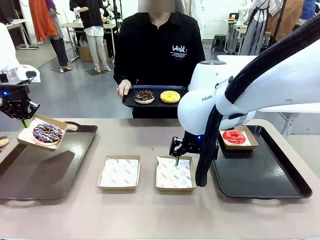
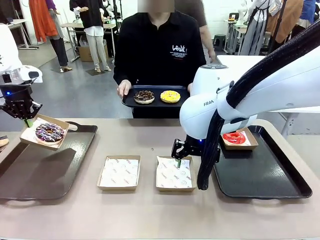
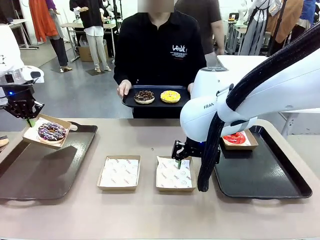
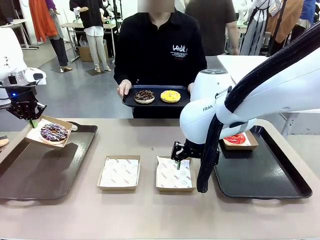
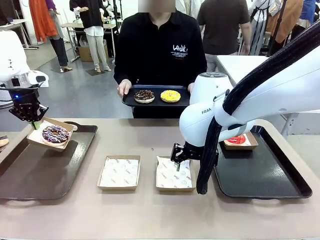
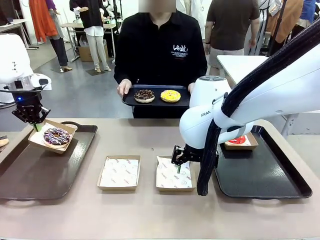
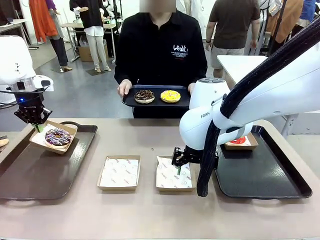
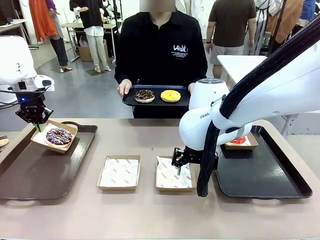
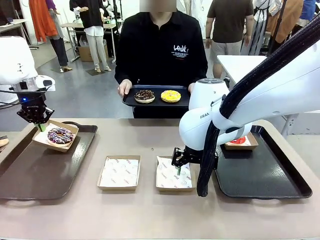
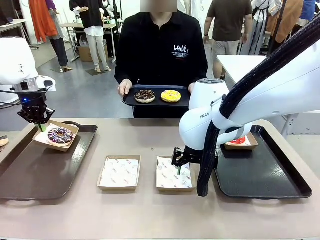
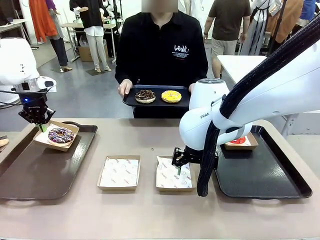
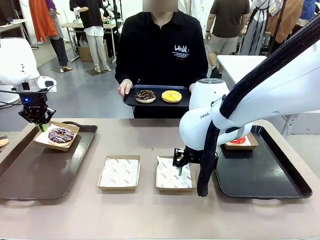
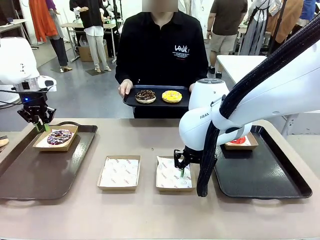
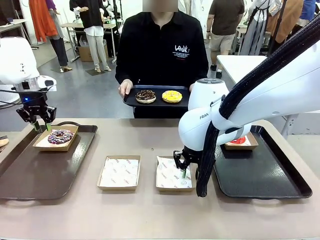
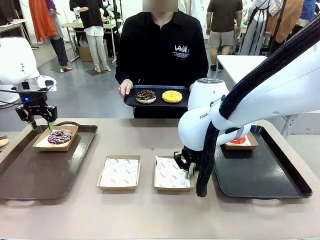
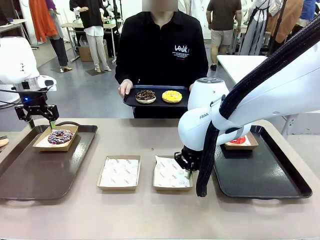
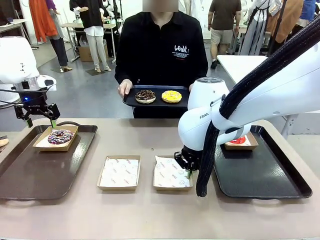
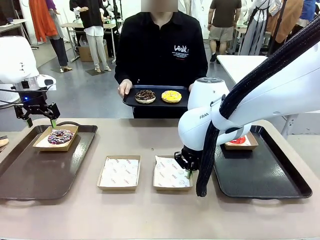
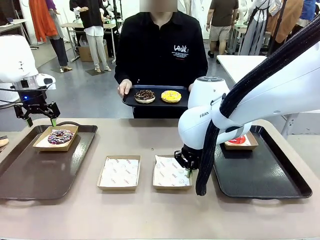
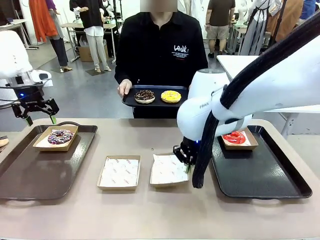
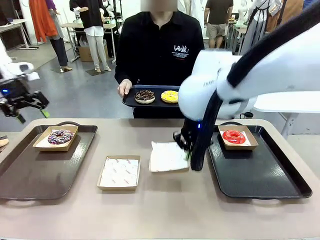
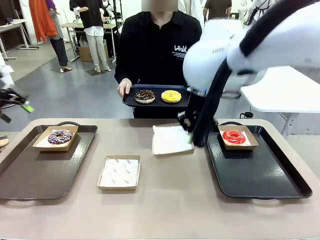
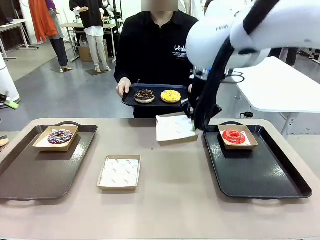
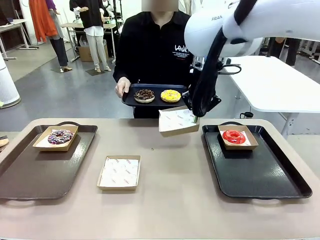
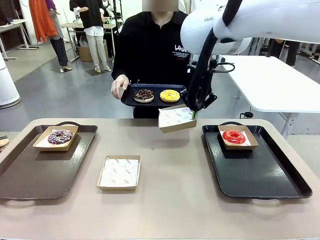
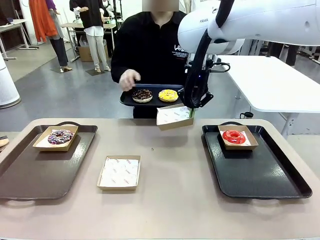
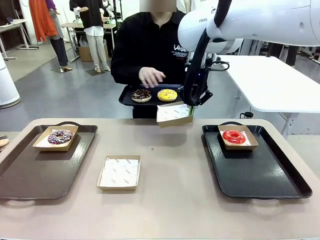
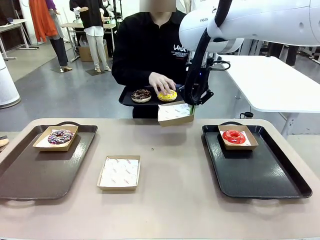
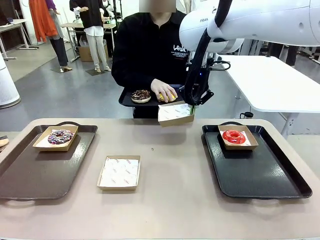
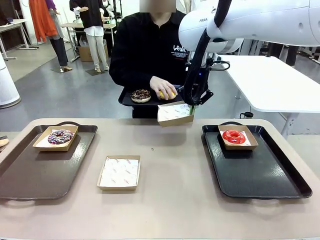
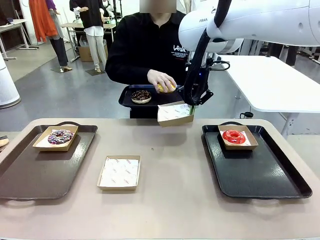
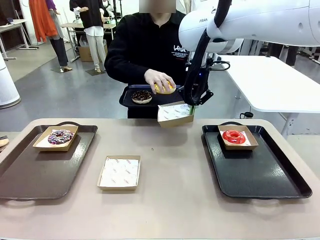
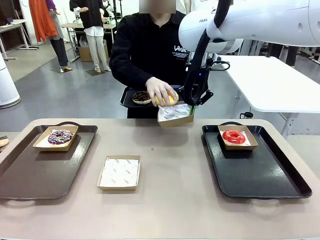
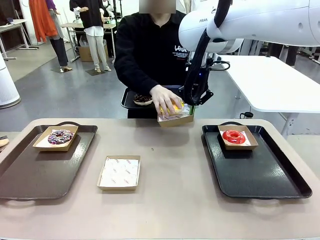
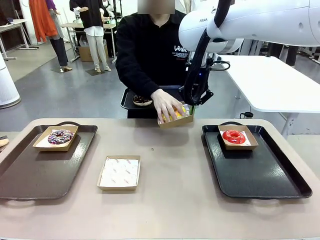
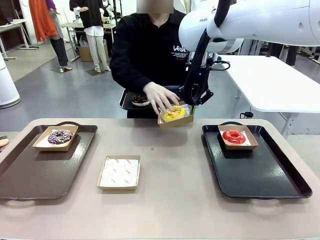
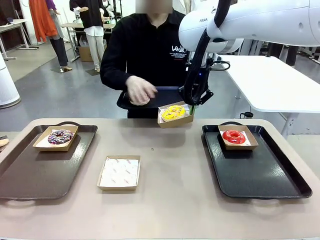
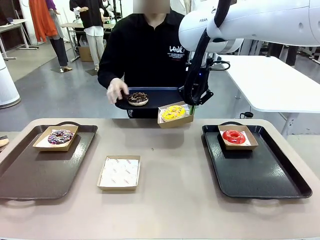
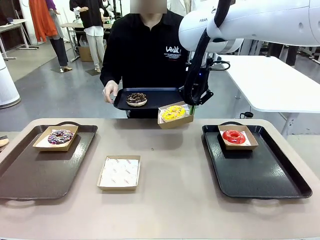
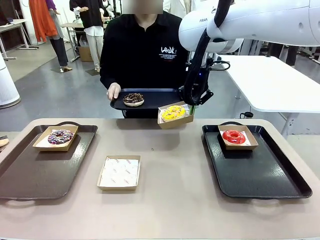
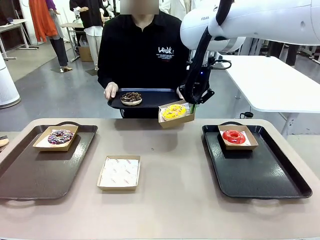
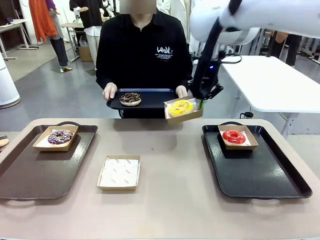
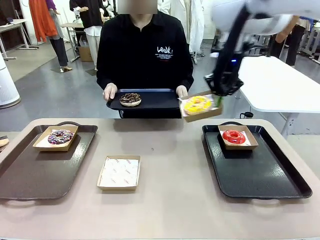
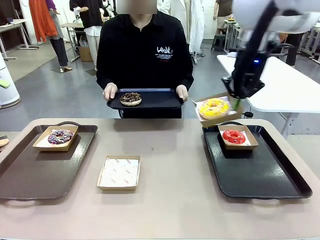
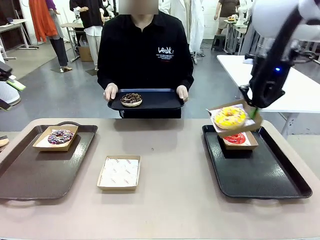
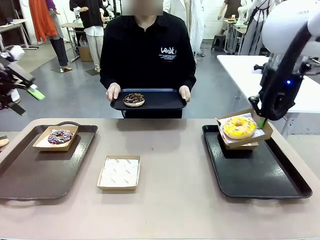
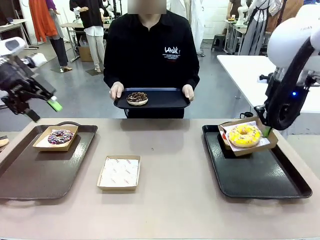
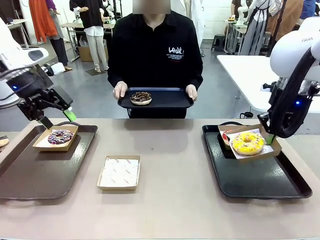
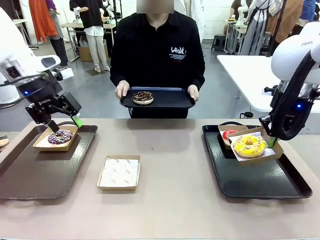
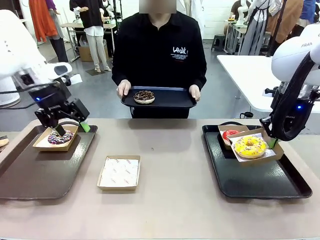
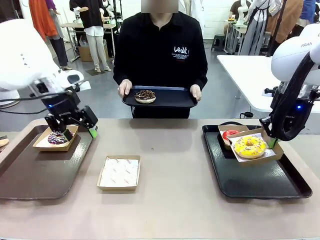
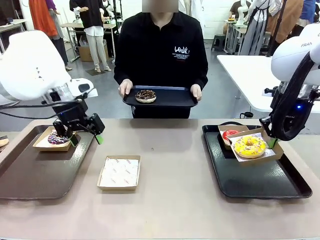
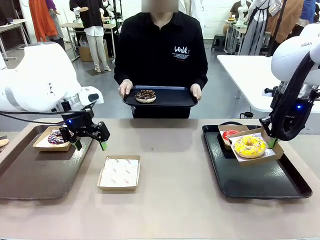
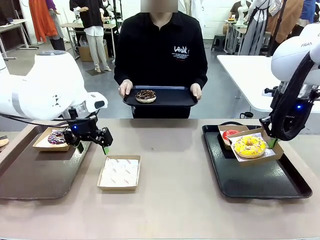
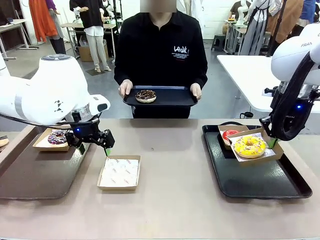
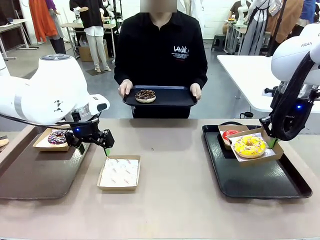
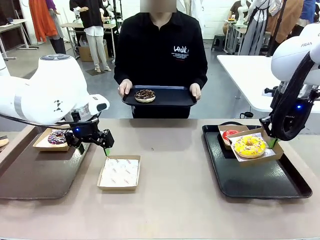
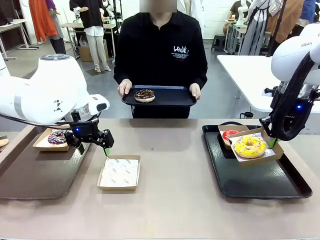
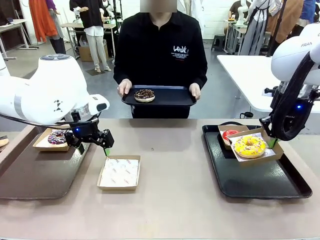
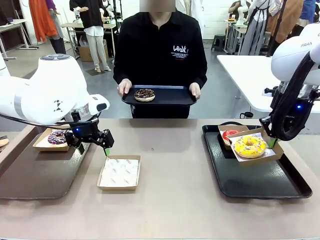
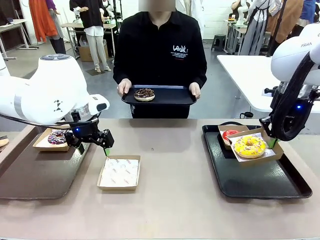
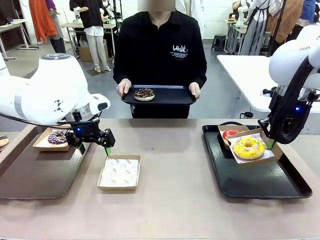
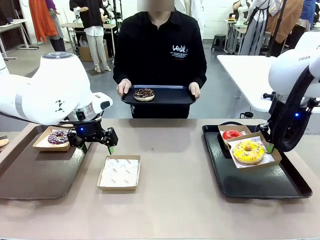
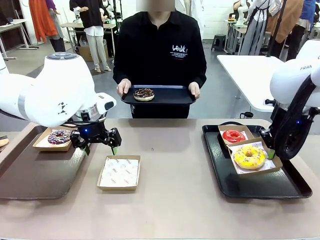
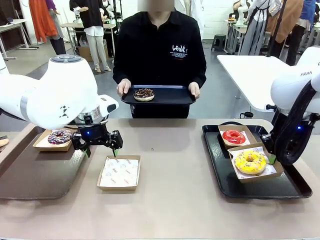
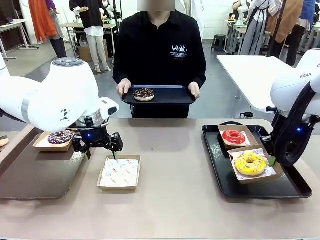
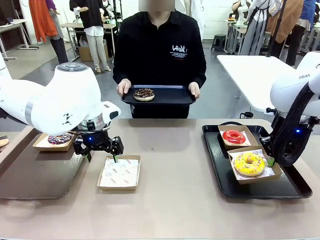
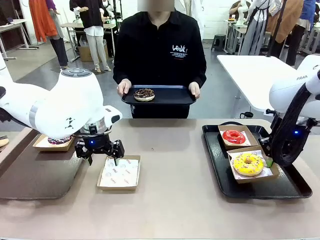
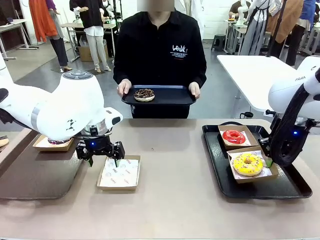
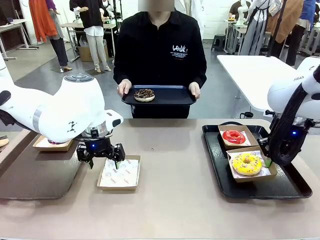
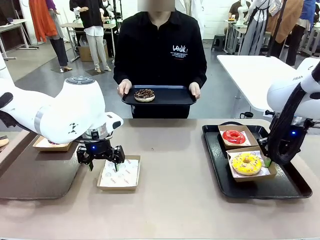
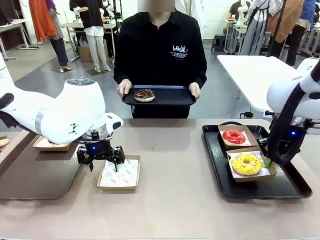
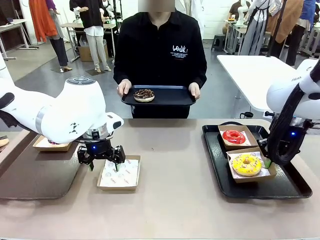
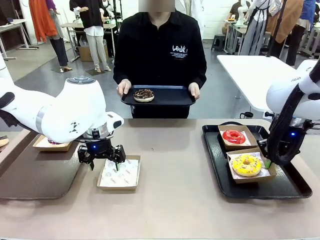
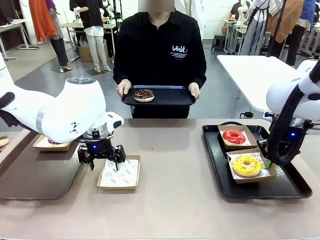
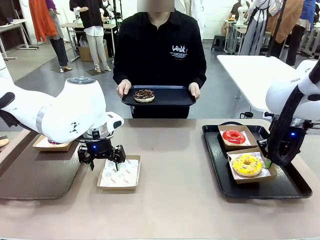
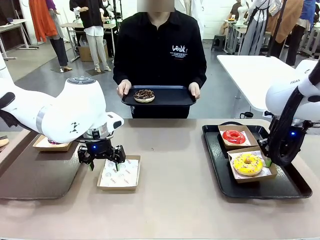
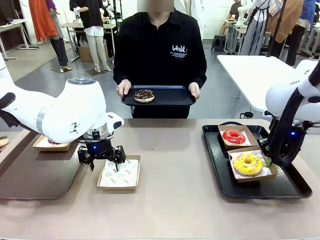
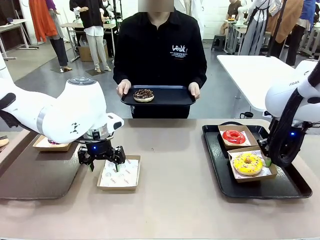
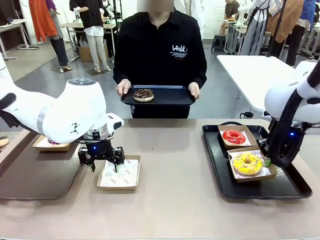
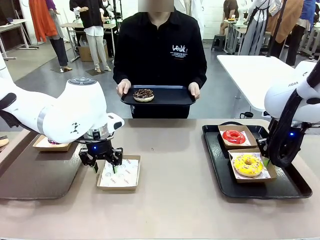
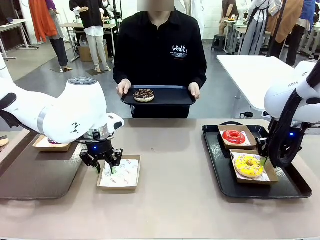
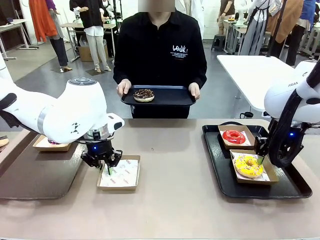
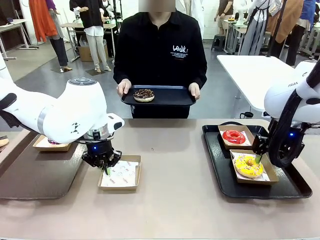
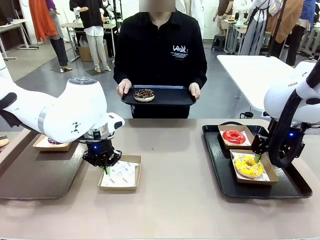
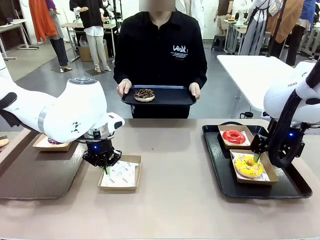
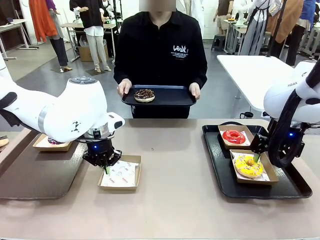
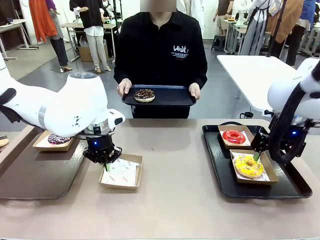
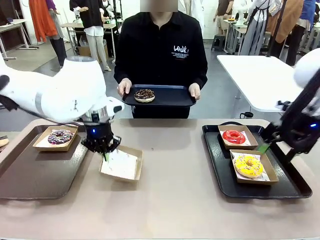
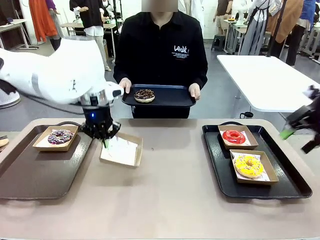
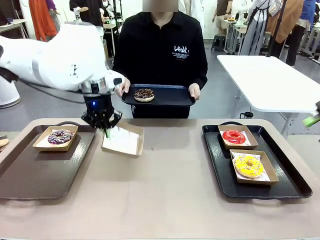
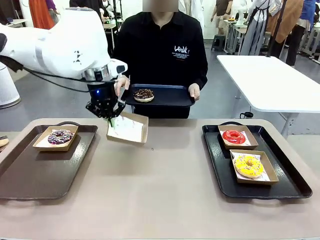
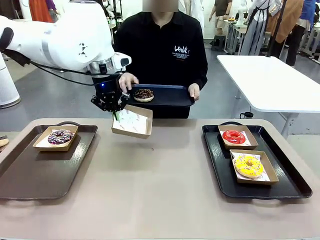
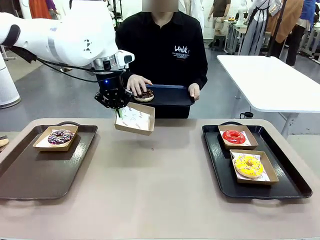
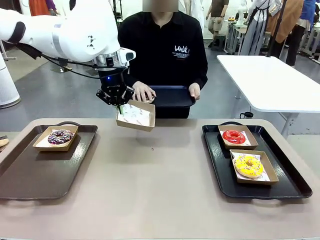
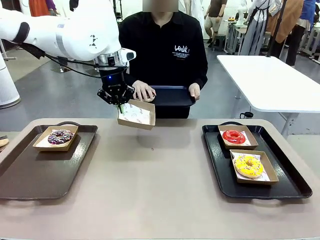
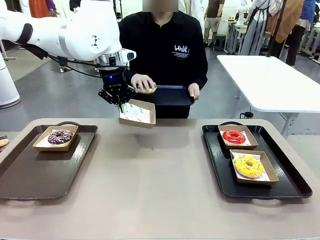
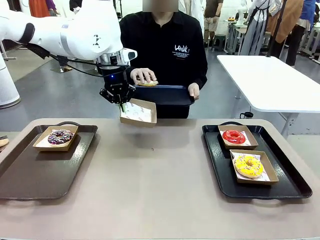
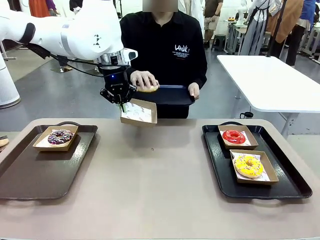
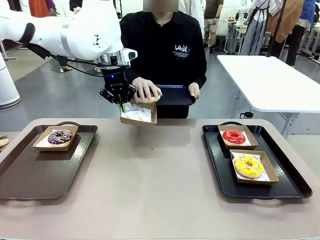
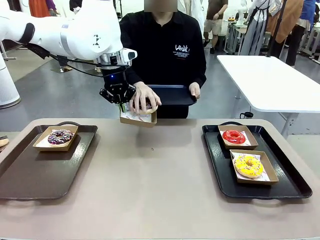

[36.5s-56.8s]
Task: Individually package the donuts and arrange them on the tray.
Robot: Place the picked Paper togo box on the Handle tray while simultaneously picking up another Paper togo box from the table with the other hand.
